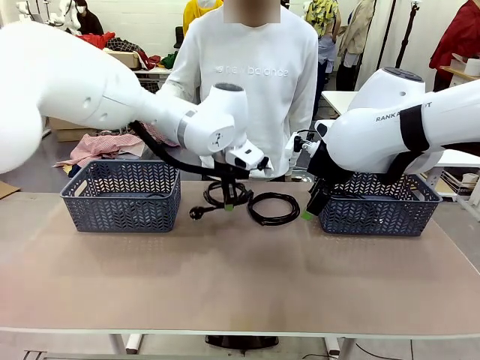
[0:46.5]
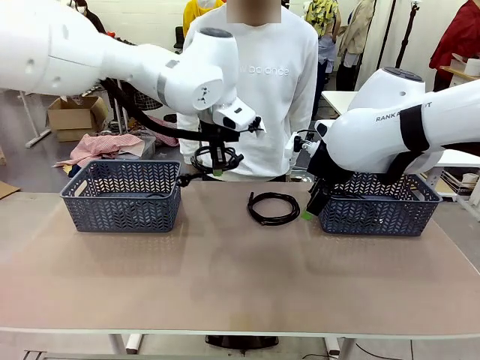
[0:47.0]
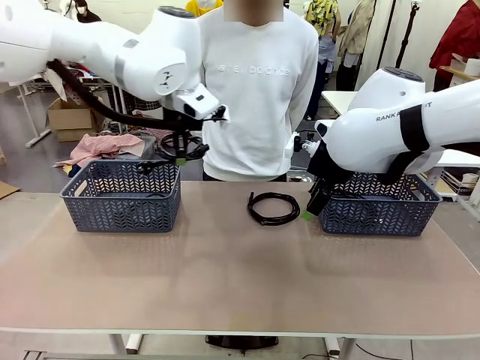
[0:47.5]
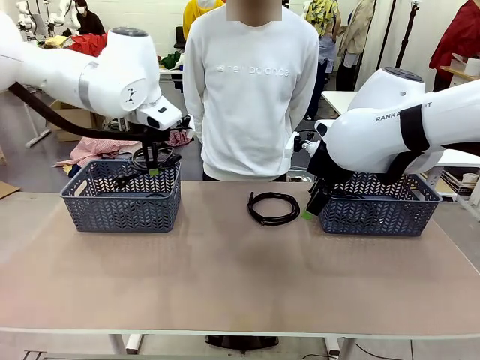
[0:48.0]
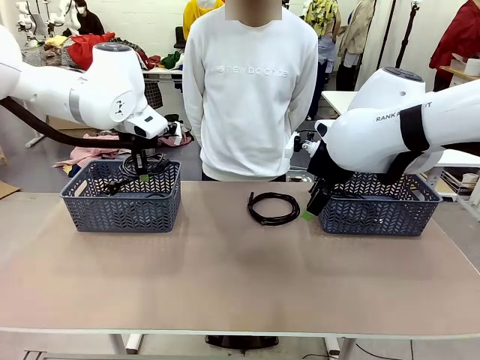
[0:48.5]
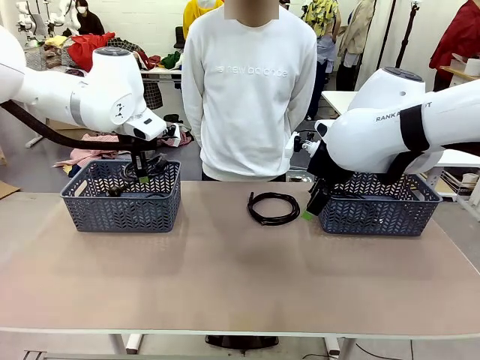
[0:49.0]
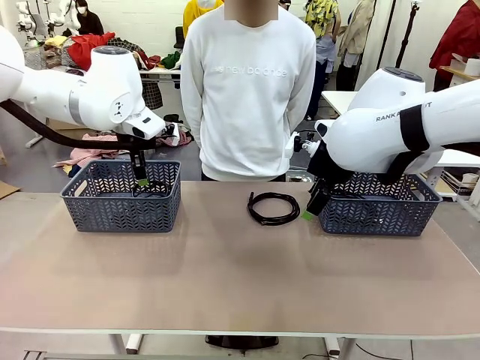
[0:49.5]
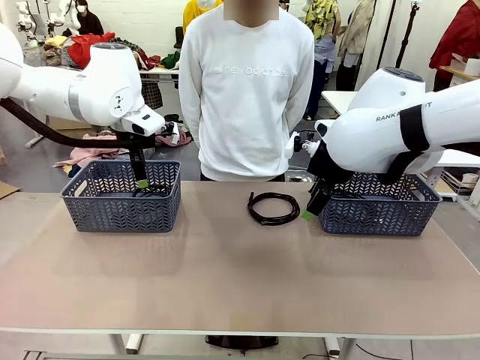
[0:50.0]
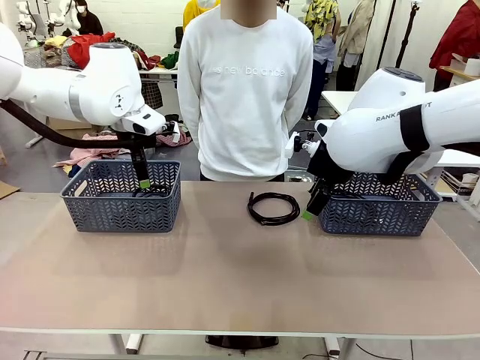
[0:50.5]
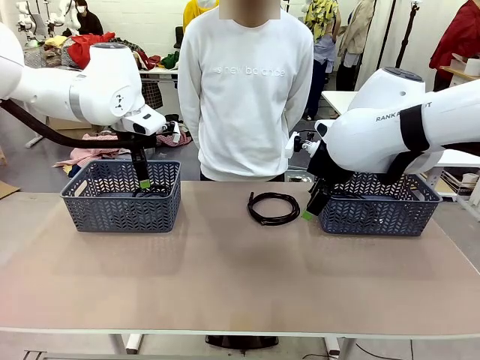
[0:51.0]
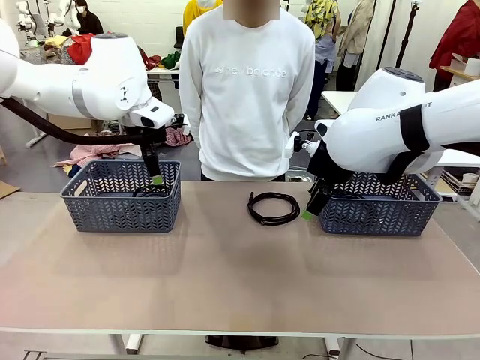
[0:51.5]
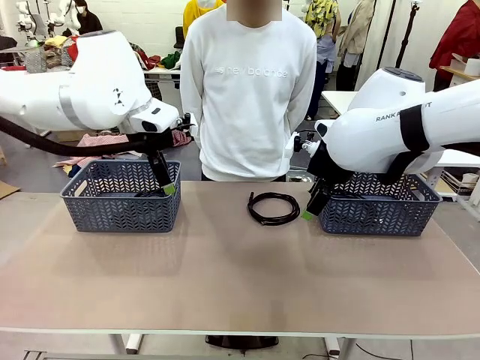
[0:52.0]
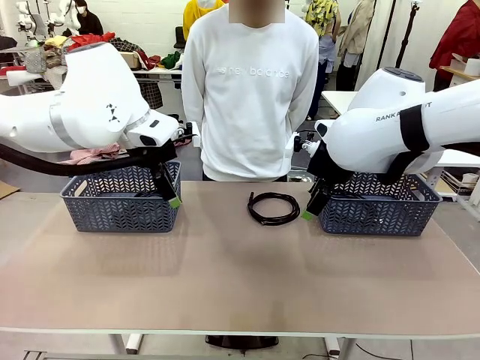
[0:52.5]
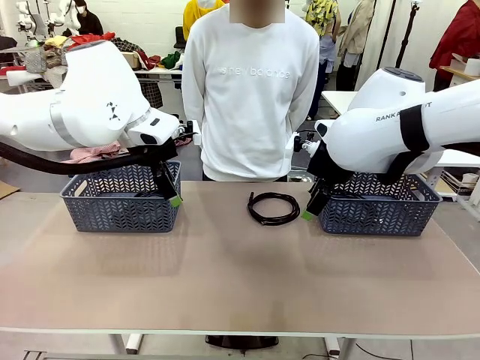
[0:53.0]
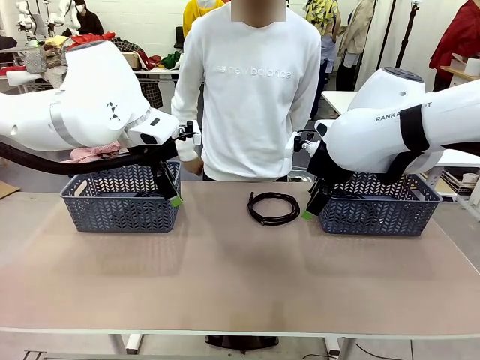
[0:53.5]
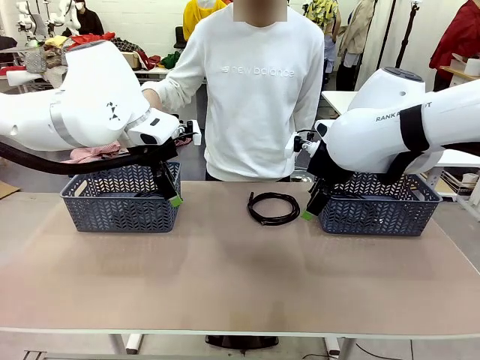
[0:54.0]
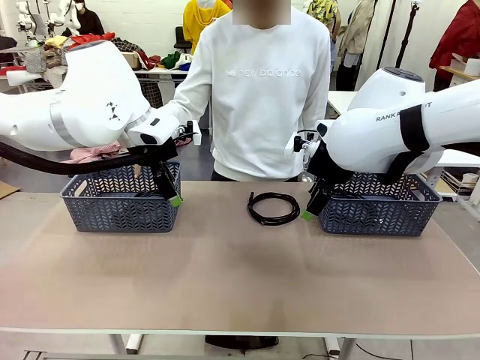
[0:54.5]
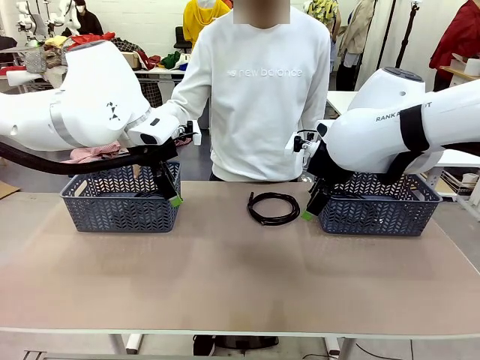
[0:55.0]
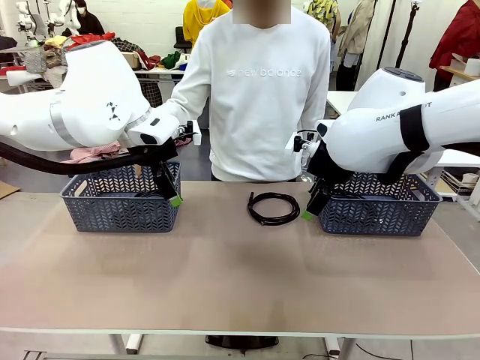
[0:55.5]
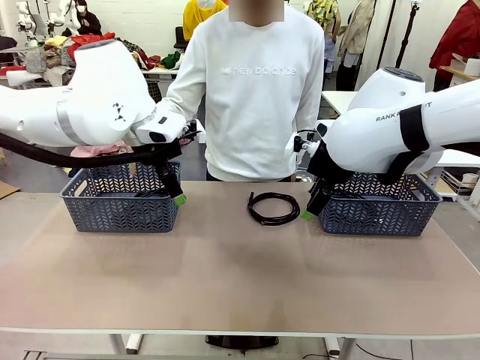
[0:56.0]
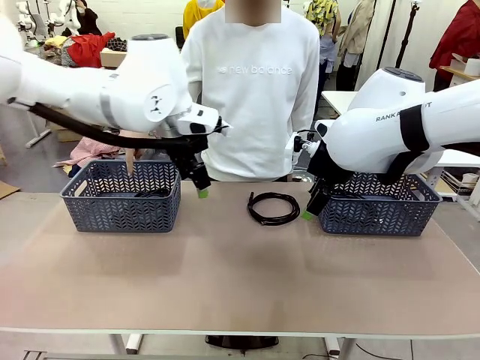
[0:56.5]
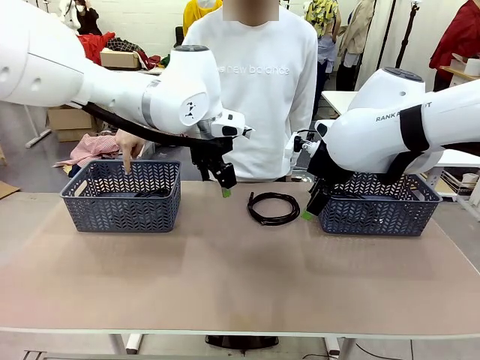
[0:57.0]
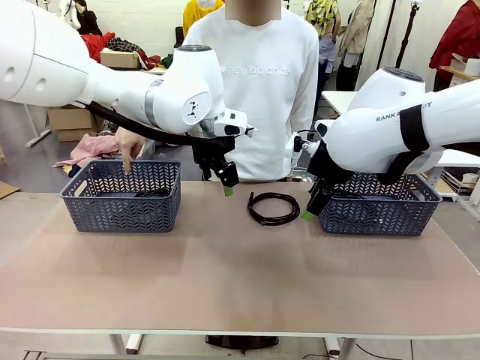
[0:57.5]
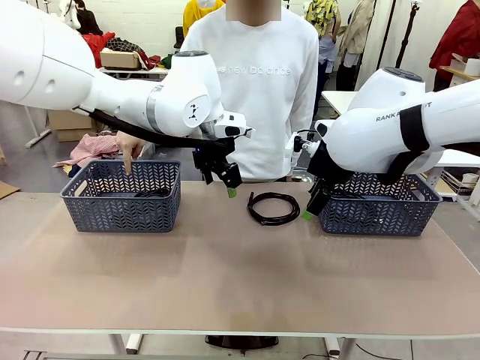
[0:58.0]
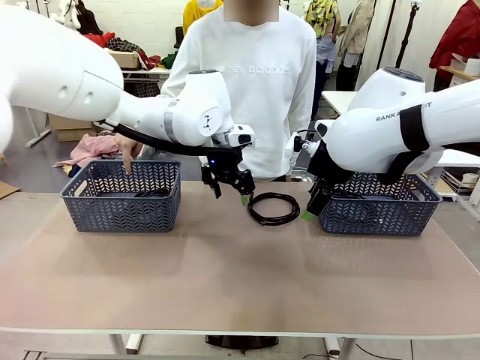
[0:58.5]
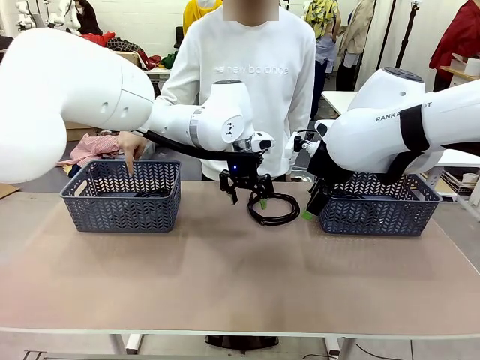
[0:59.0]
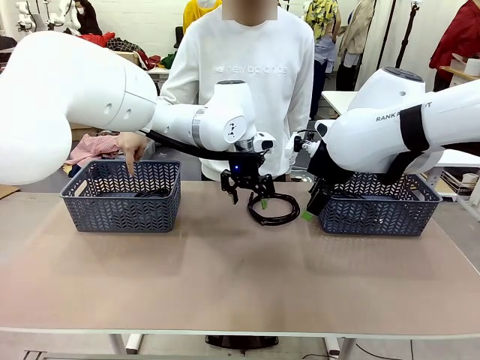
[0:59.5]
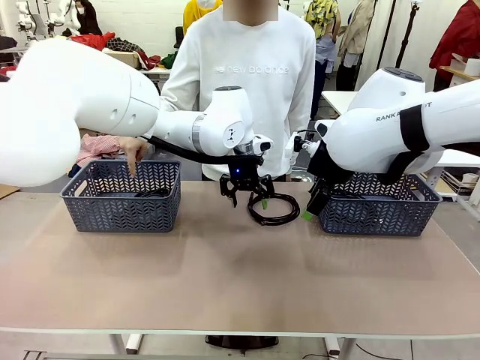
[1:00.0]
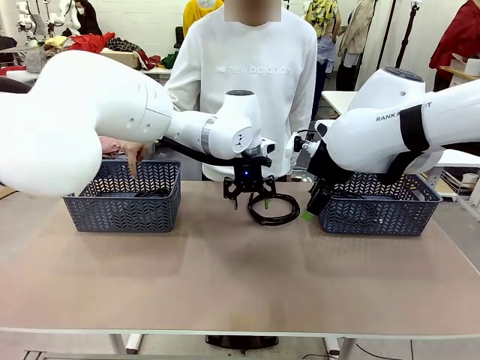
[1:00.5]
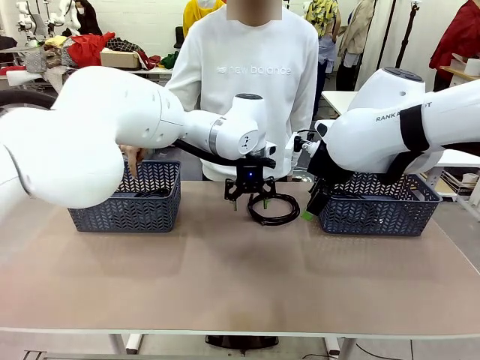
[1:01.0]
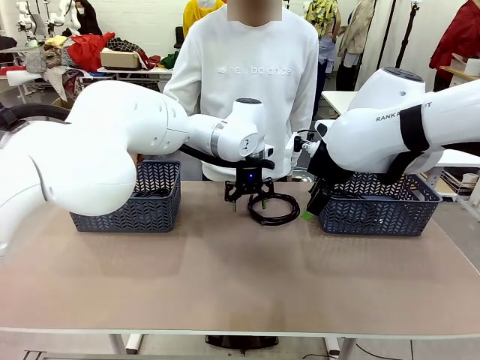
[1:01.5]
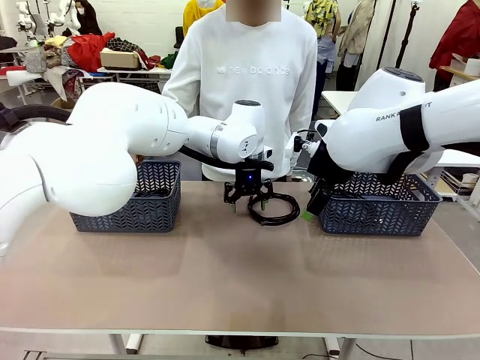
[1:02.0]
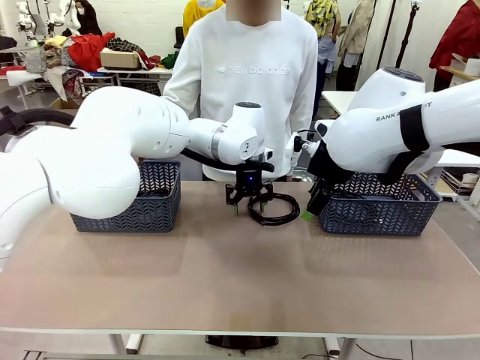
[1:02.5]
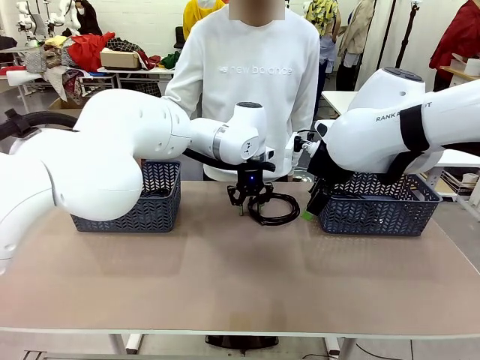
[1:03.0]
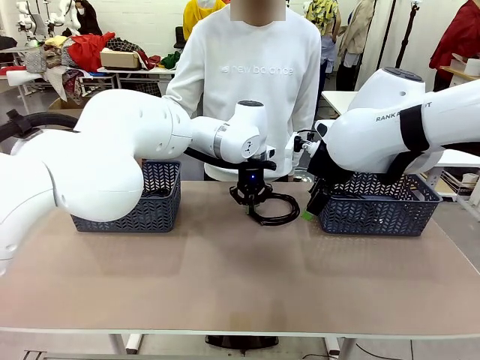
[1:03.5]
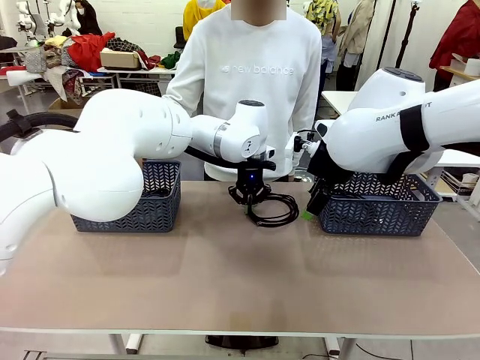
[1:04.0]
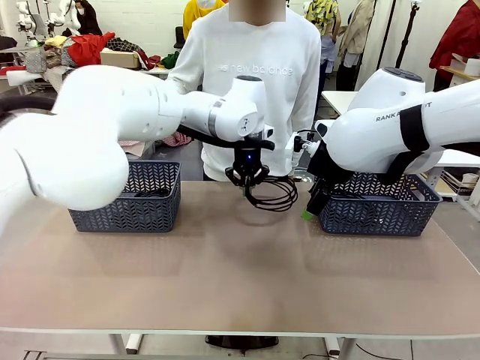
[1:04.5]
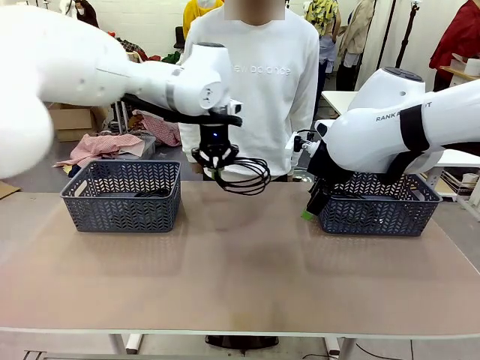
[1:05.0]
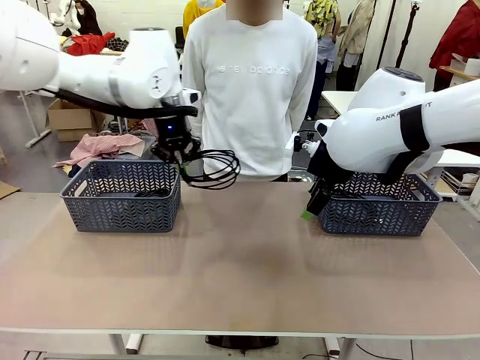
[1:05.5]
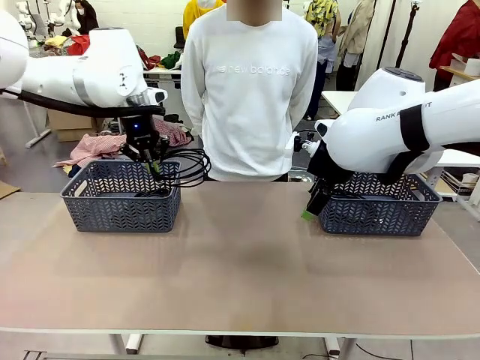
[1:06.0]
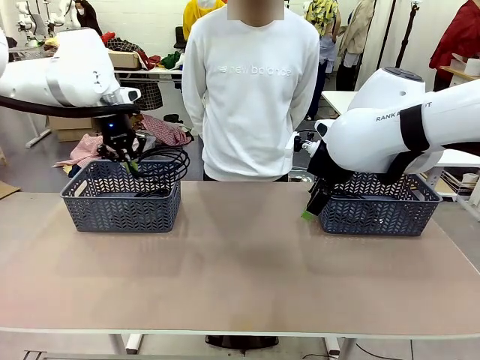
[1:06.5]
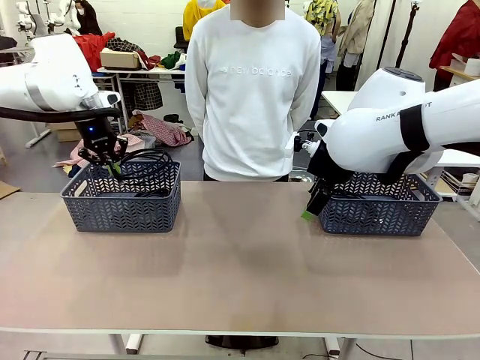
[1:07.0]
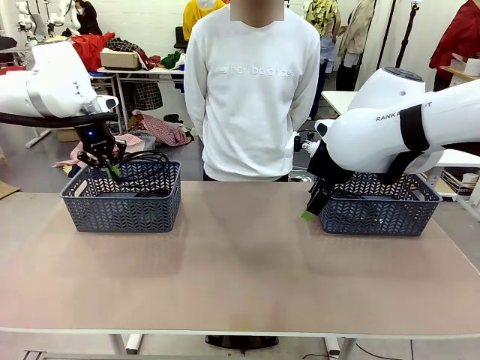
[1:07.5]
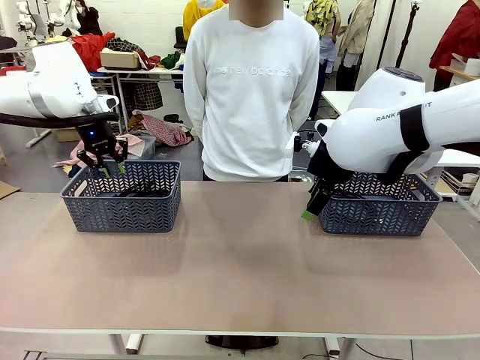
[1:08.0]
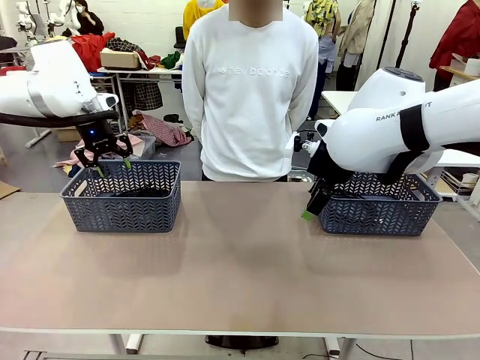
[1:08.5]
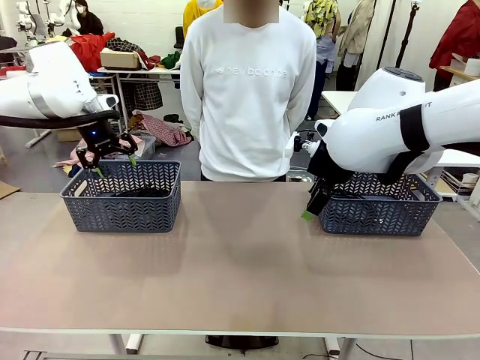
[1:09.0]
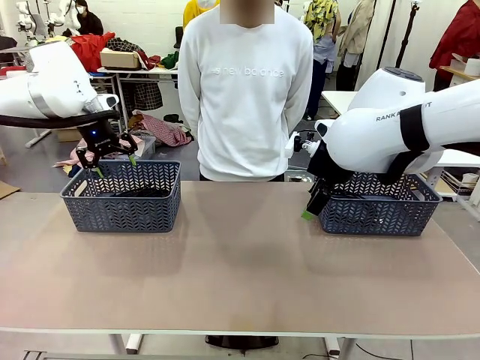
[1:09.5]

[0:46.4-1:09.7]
Task: Organize the cables according to human instructions.
Robot: Pick up a bundle of cables and place it in the basket indicated by the human.
